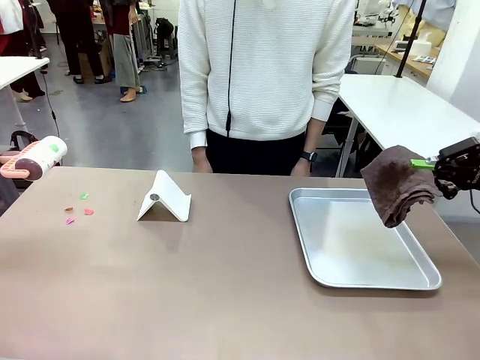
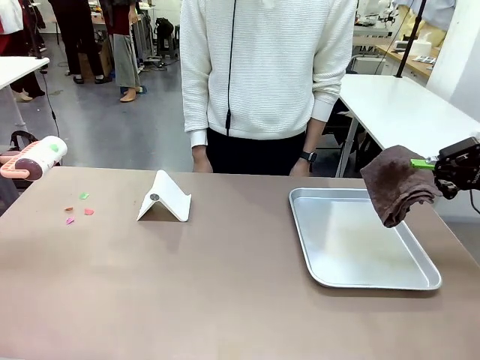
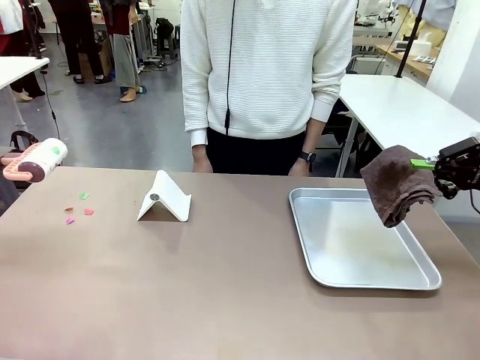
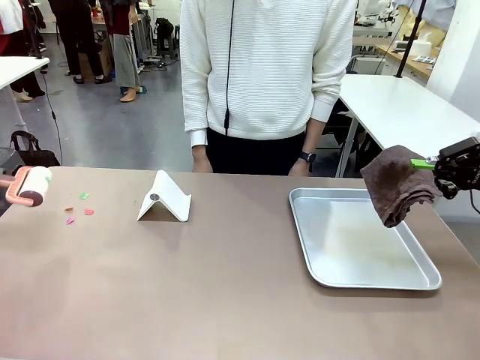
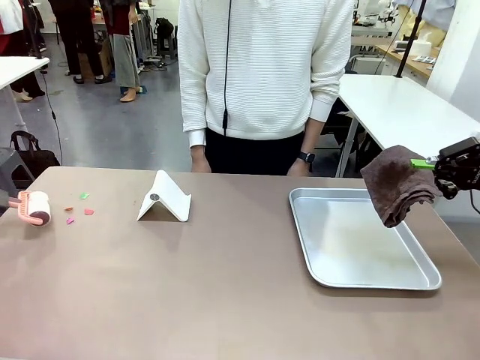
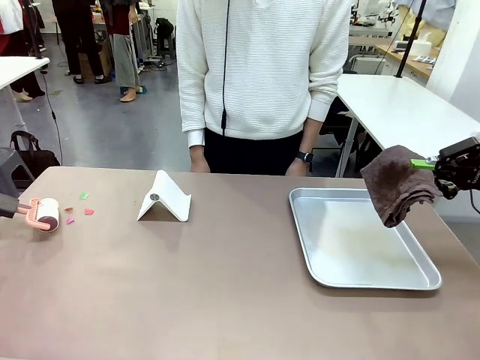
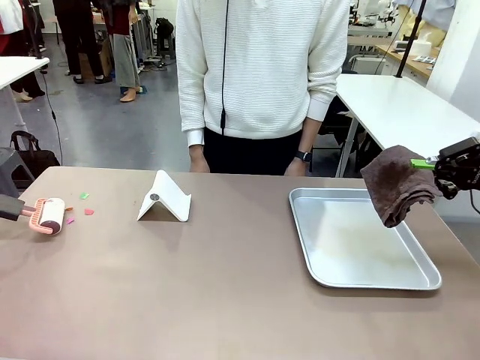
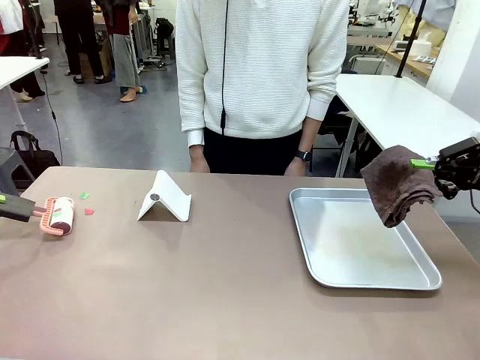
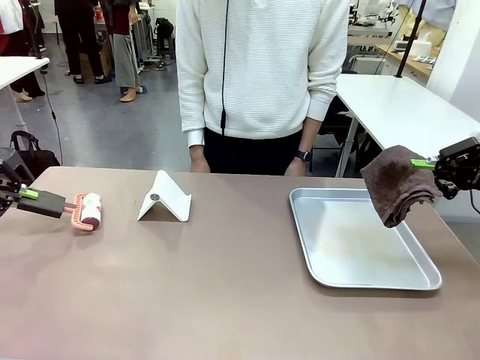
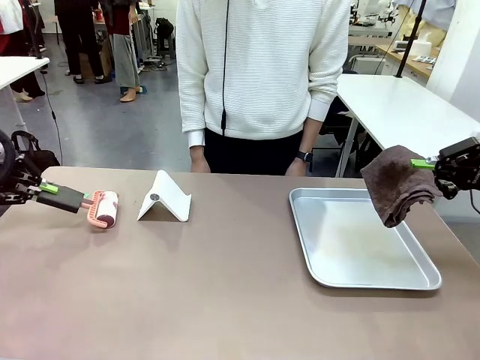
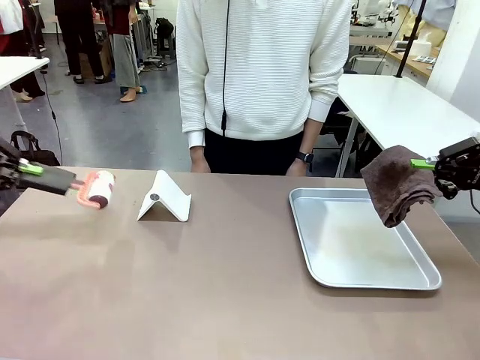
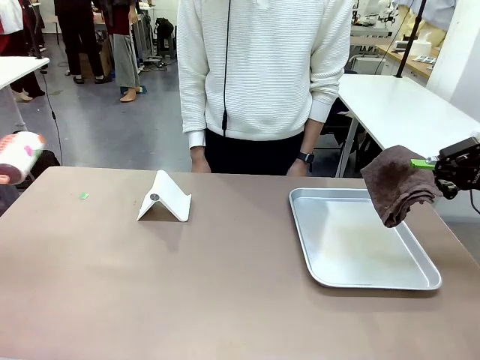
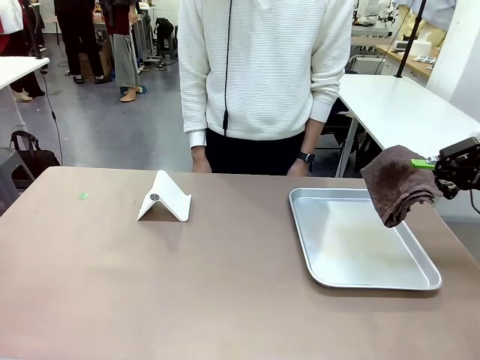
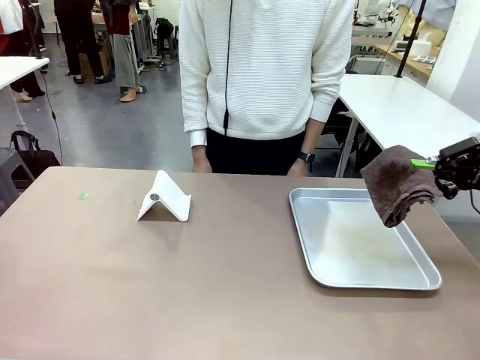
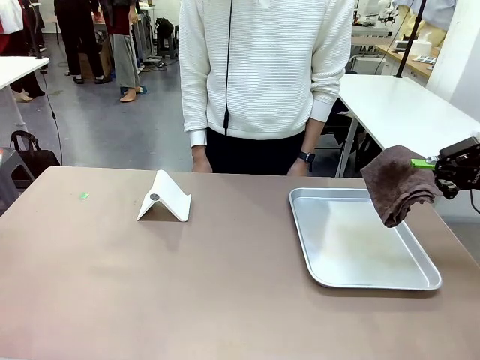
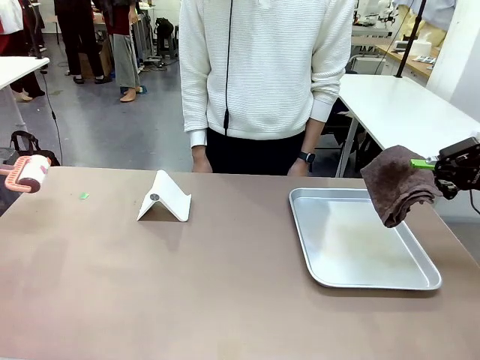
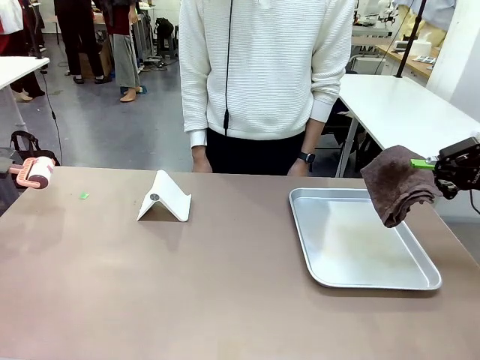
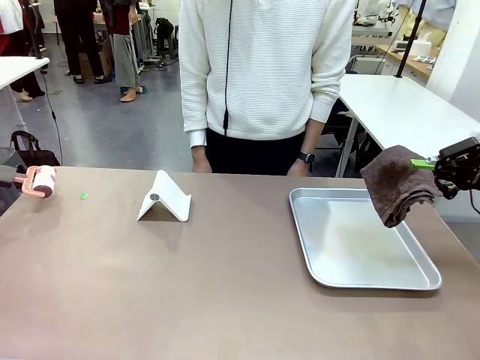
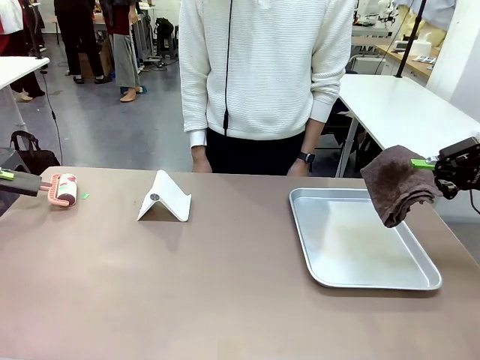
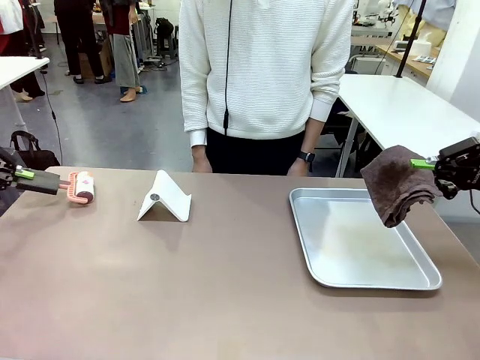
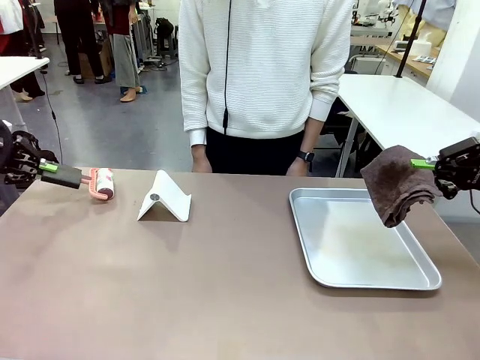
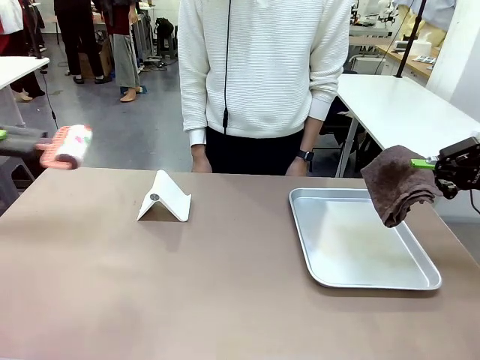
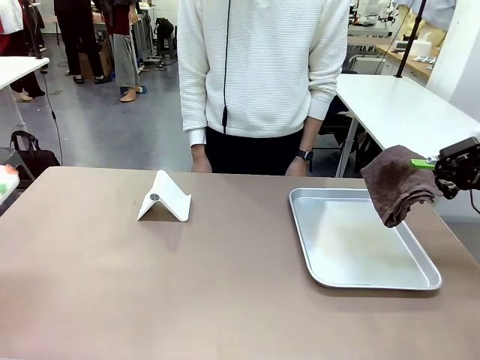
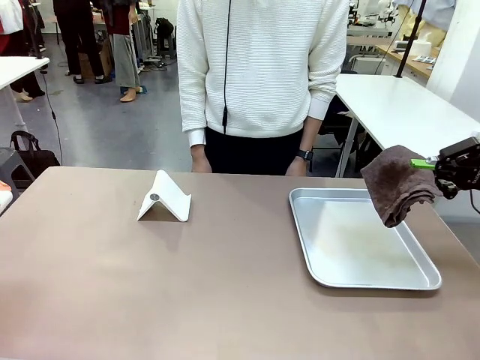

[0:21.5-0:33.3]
Task: Clean the surface of the table.
Robot: Clean the area not pointed to by the person.

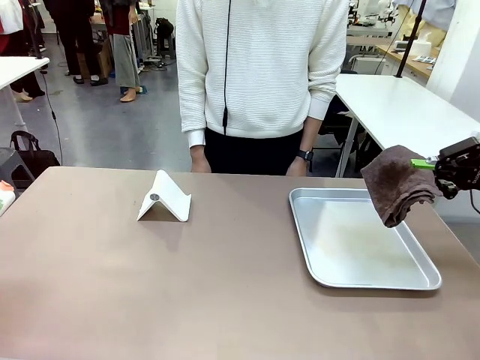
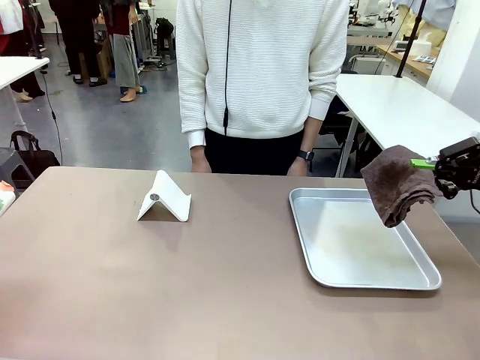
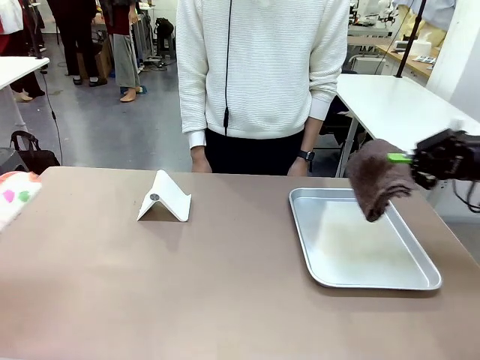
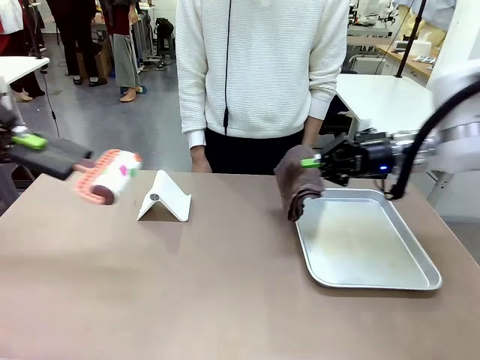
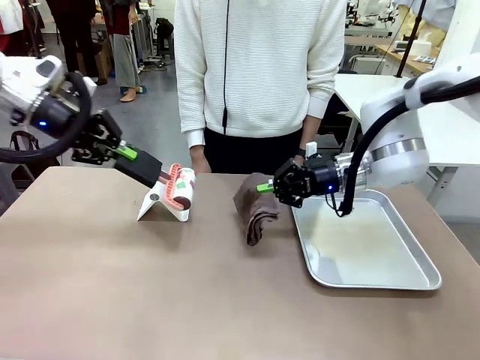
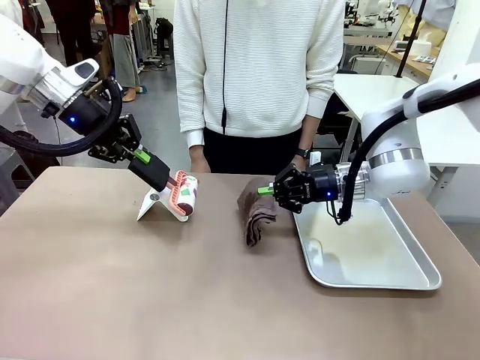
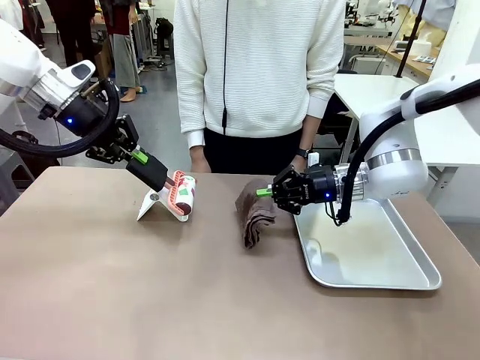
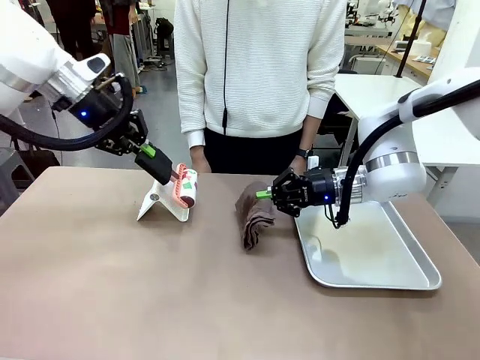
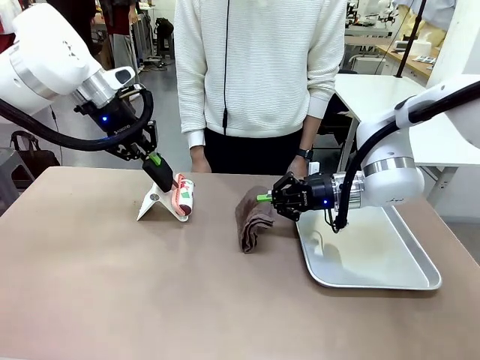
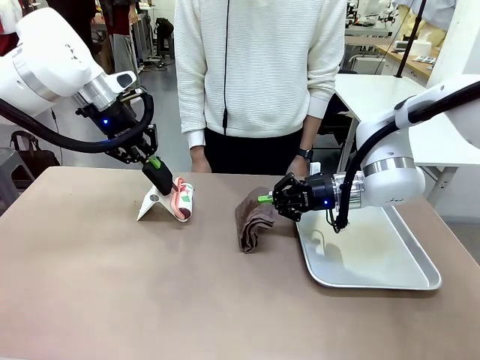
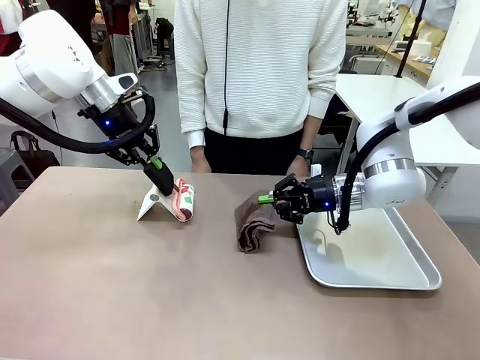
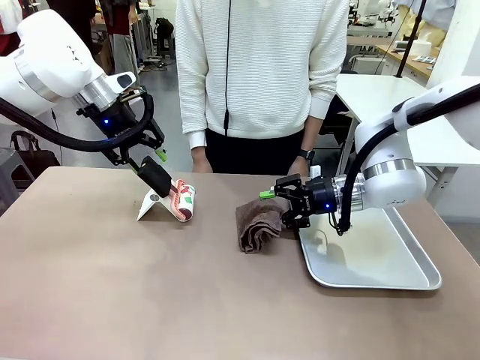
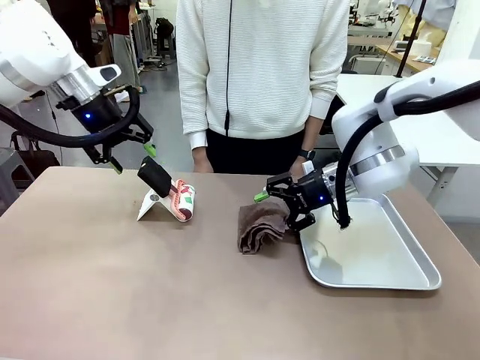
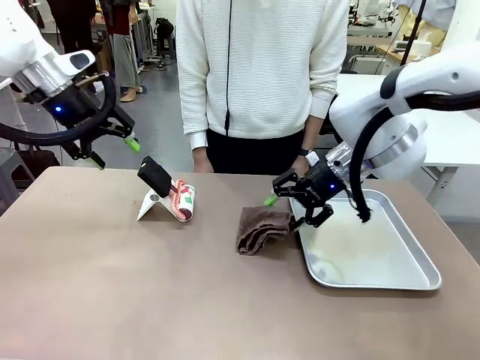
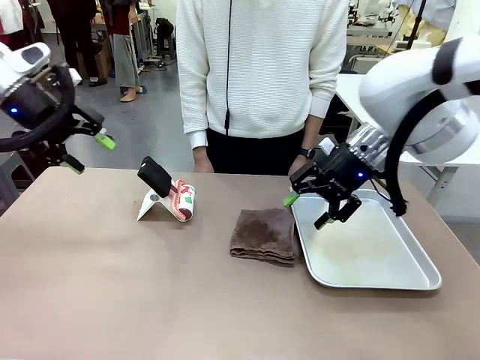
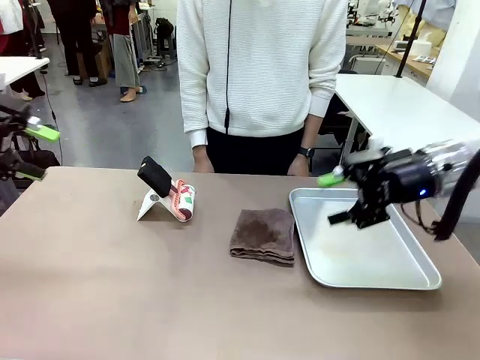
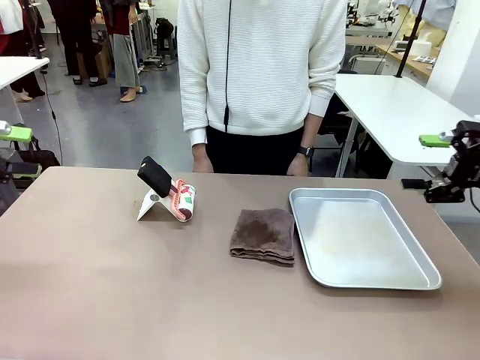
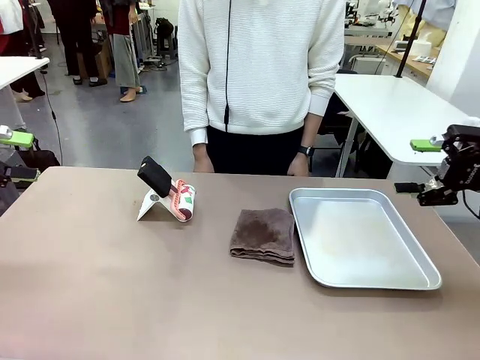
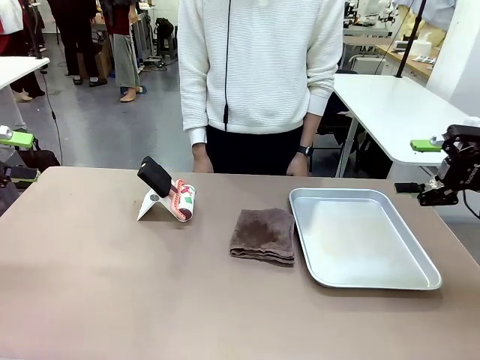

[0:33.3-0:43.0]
Robot: Return the Lint Roller and towel to their original positions.

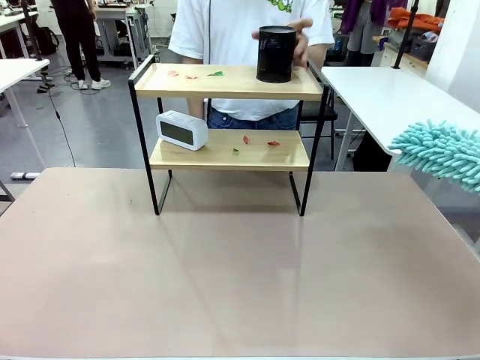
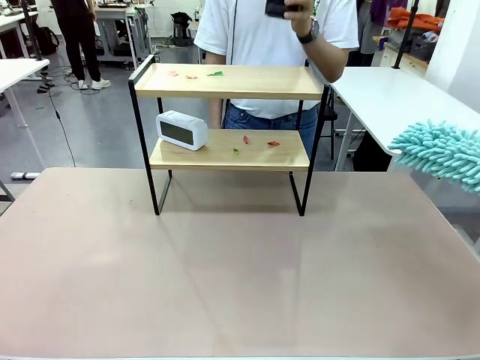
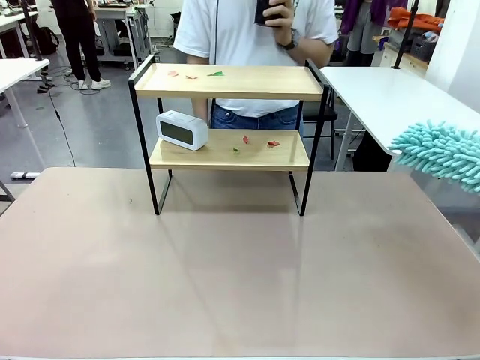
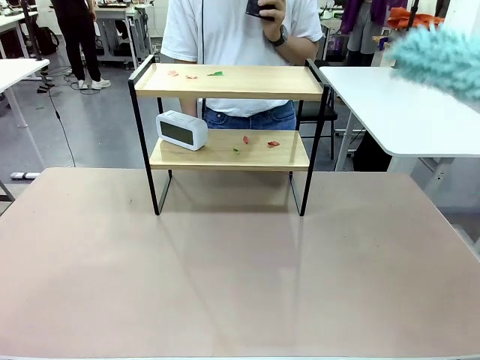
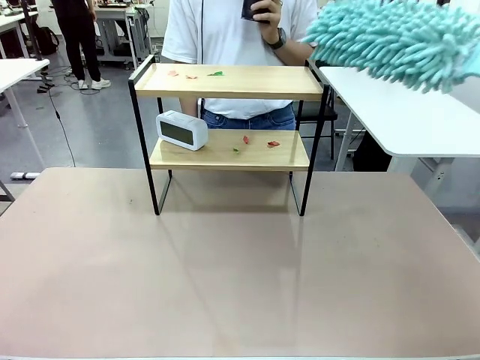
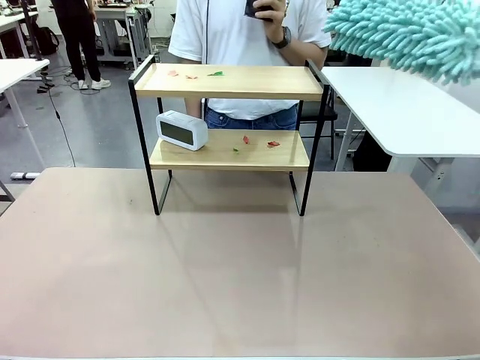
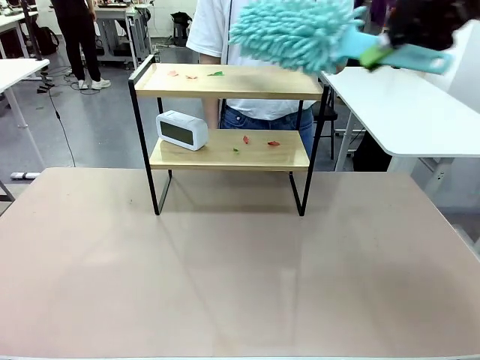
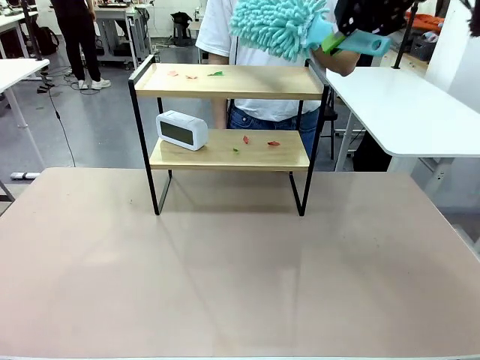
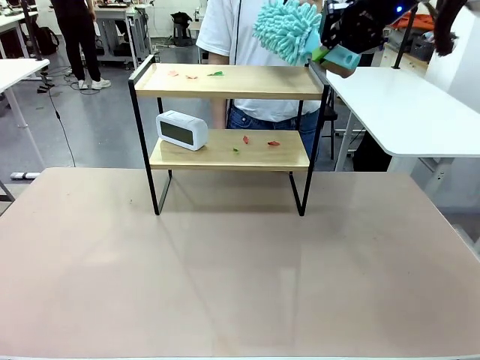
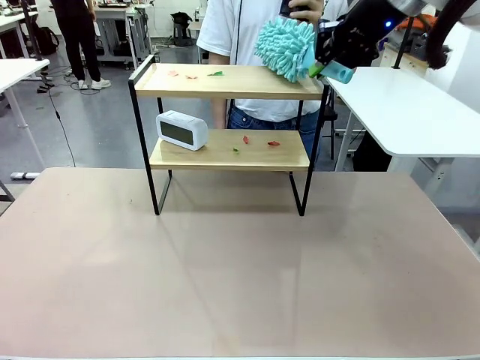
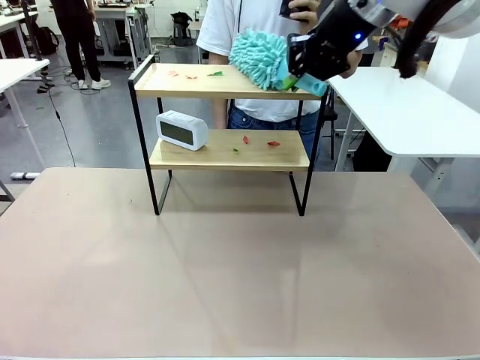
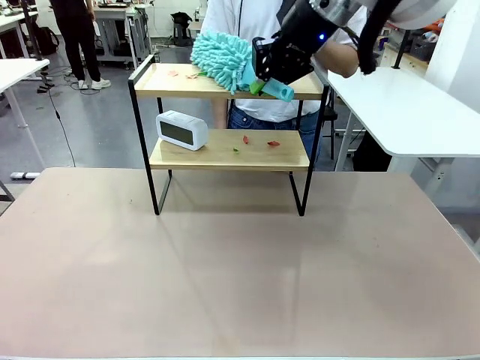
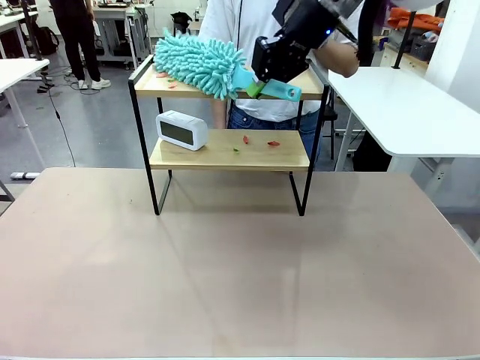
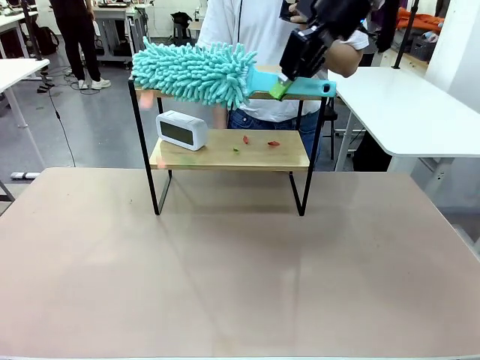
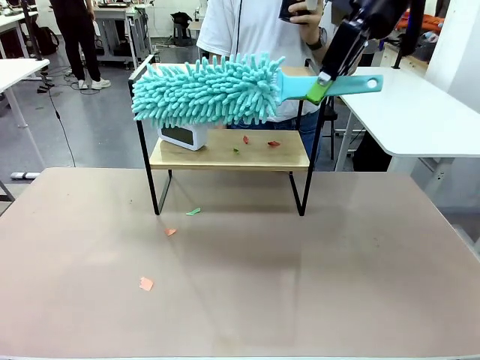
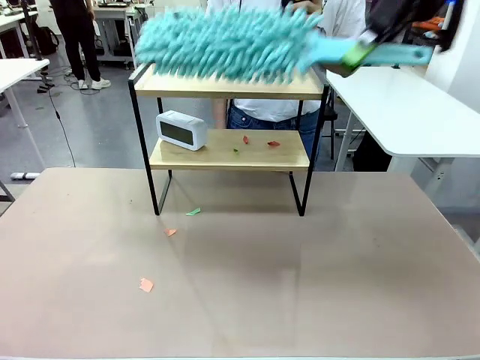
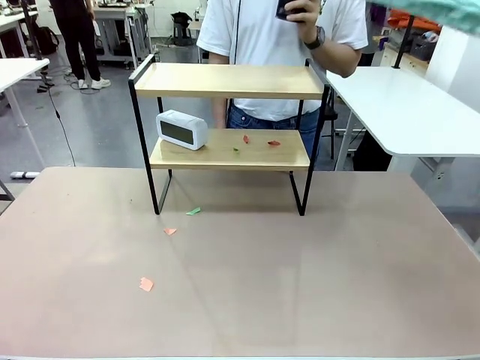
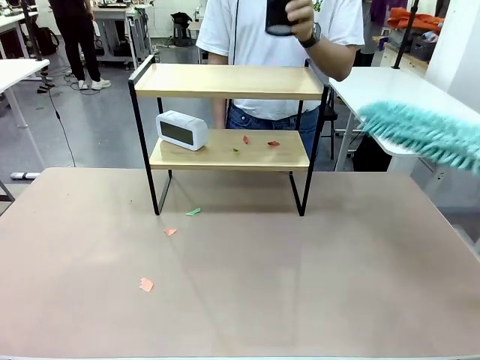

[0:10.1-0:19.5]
Task: Clean the shelf.
Robot: Clean the specific tier of the Shelf with the Duster once objects are removed.
Person: Lift the objects on a randomly selected tier of the Shelf. Once the robot finishes cleaning, lift the objects on the remaining tiers of the Shelf.
